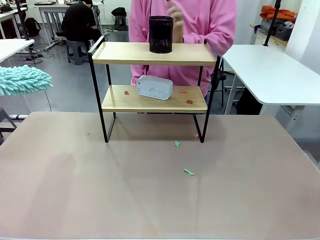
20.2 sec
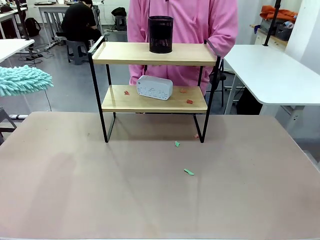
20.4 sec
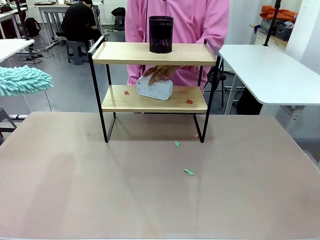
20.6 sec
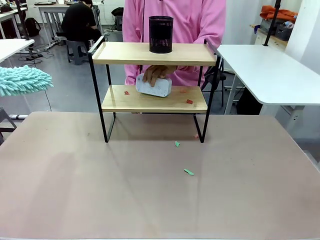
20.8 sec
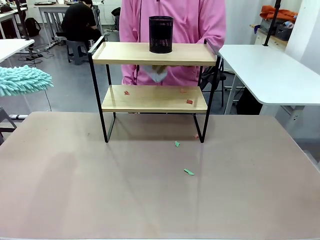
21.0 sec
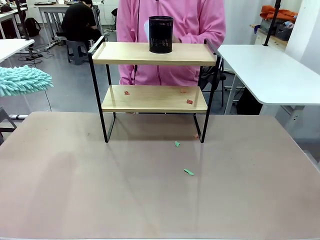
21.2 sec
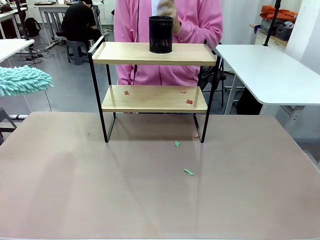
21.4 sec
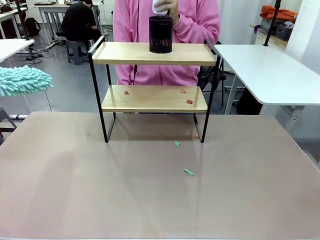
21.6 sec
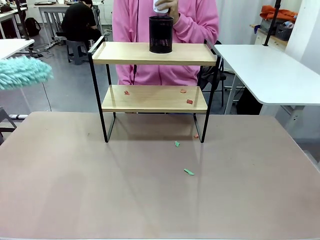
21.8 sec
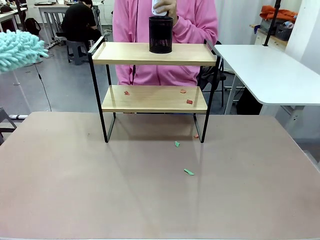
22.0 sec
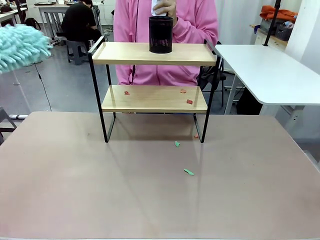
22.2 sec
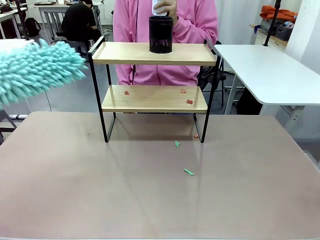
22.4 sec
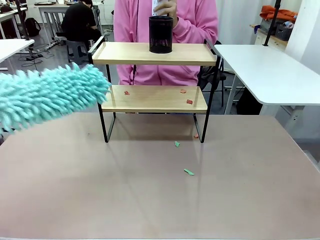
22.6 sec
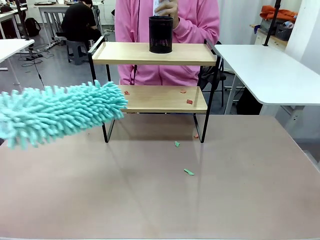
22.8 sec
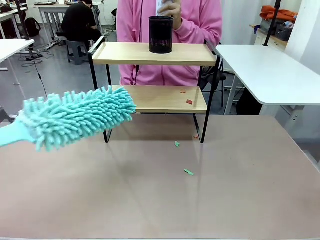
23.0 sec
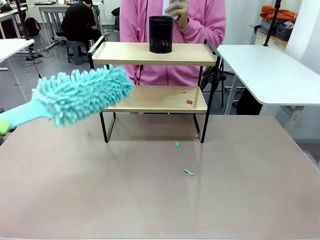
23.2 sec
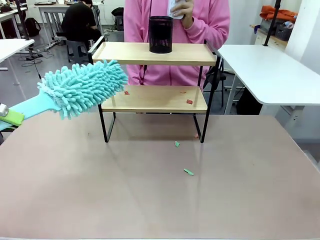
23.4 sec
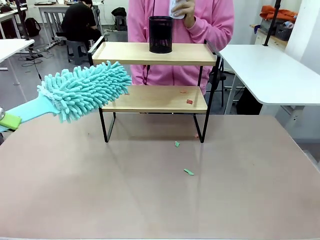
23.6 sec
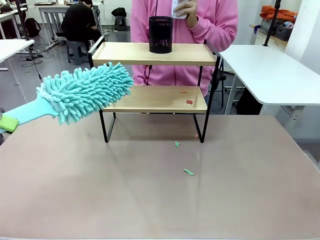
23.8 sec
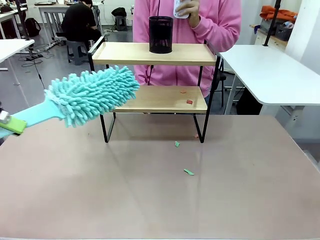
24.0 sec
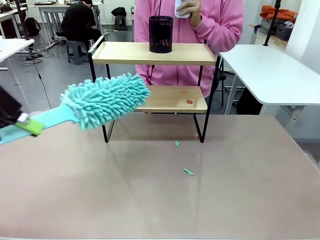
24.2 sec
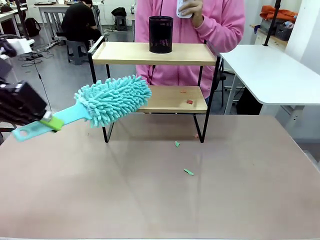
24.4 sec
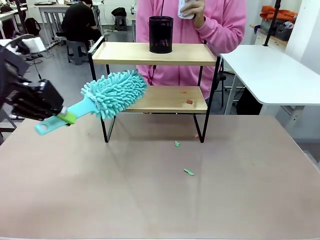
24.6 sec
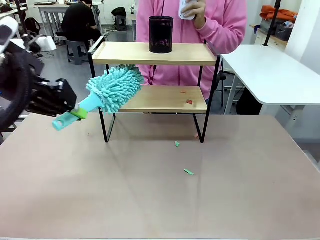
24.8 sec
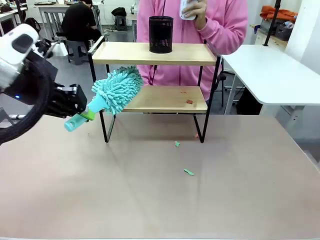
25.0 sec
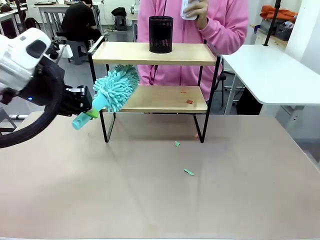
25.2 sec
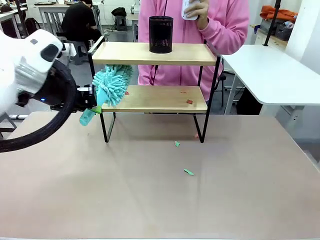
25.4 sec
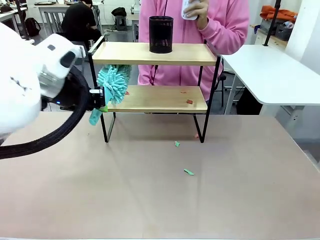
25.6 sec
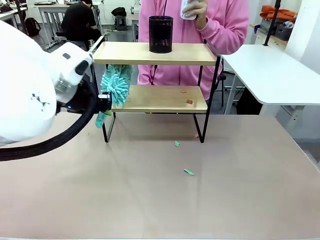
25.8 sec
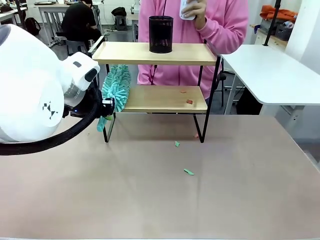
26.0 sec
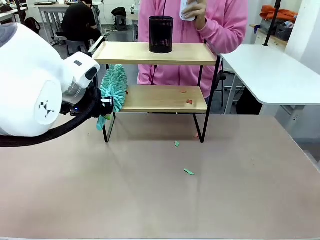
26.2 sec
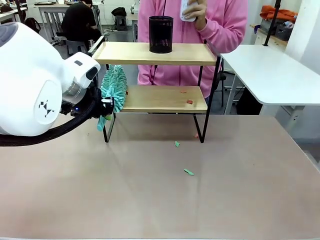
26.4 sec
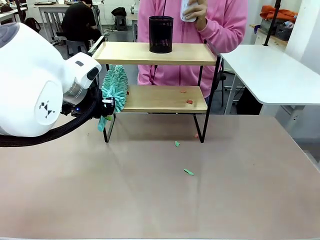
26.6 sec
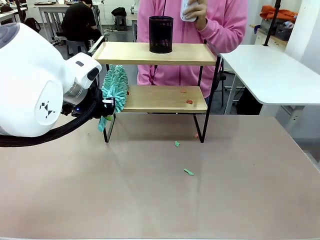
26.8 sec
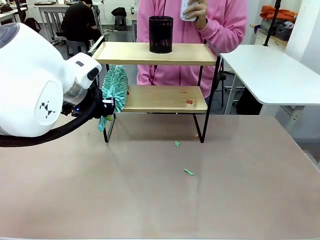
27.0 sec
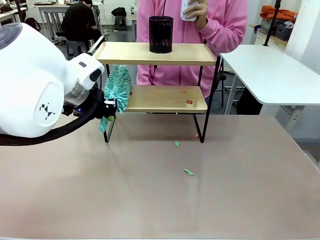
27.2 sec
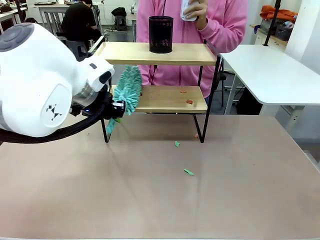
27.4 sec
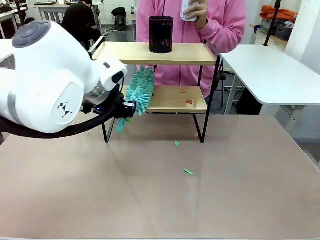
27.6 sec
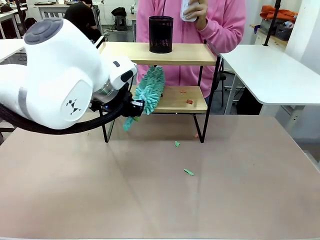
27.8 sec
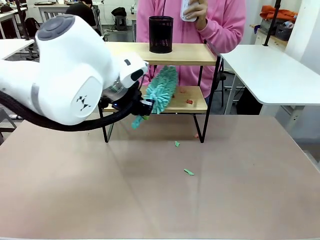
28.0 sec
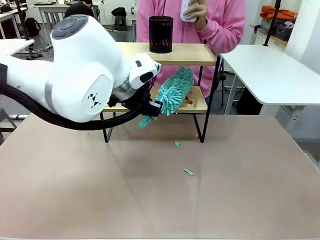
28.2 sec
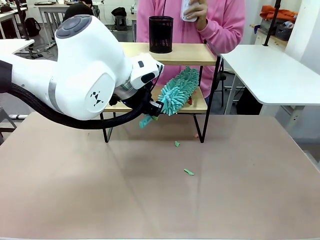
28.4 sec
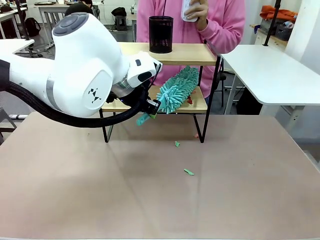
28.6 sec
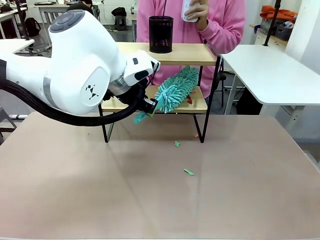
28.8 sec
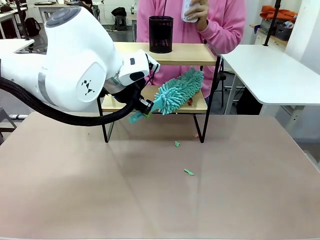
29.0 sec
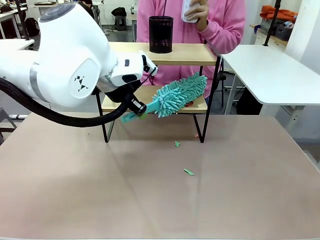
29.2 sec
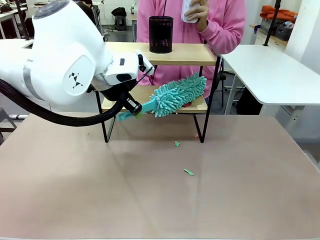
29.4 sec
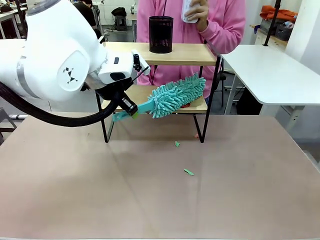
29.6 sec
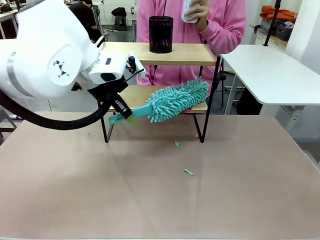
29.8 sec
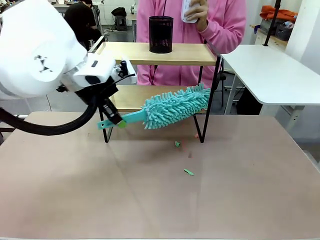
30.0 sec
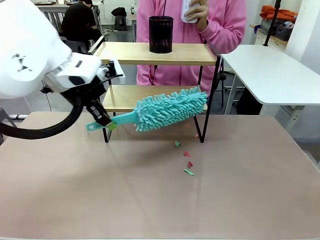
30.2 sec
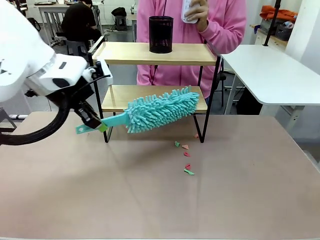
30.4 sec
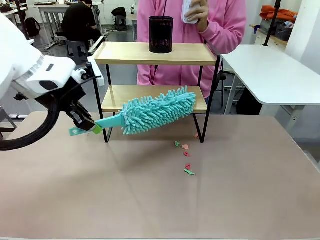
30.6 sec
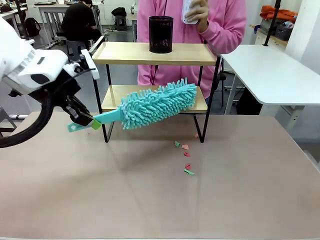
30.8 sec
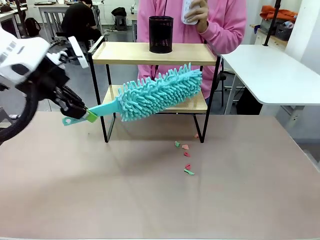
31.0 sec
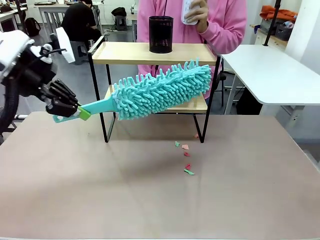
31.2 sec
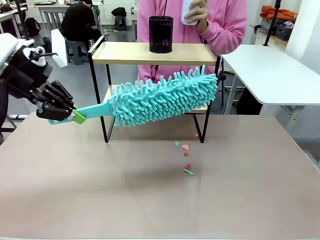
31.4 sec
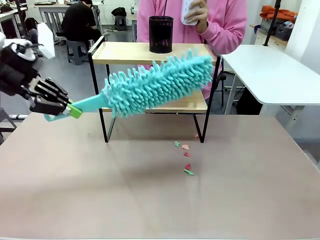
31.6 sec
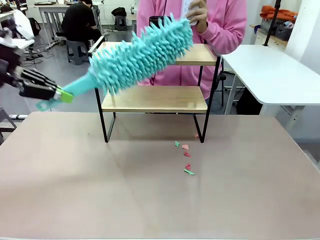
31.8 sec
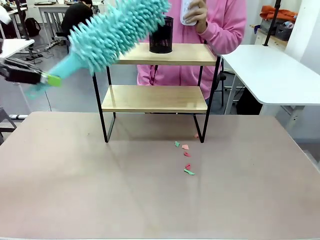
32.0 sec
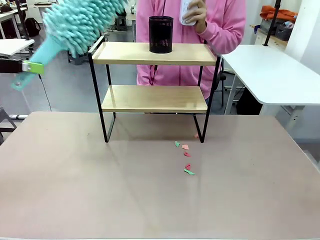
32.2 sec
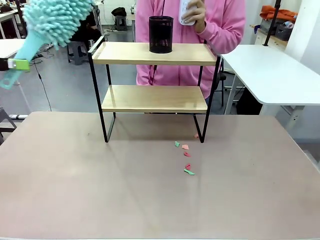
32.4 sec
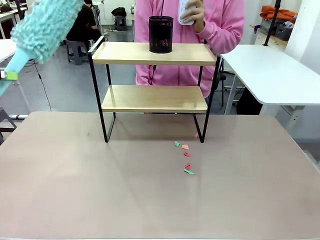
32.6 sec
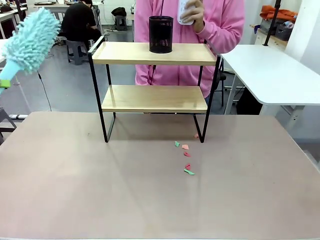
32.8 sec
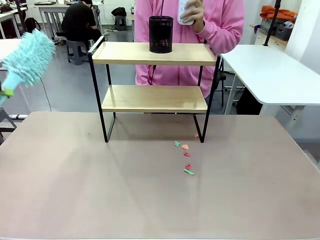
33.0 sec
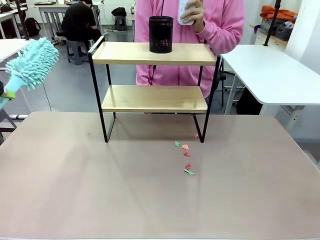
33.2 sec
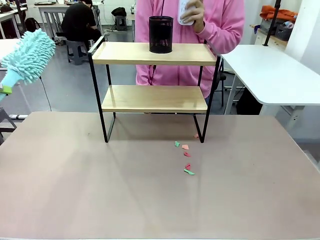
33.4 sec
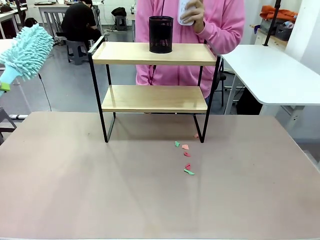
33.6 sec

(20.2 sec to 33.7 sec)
Task: Clean the shelf.
Robot: Clean the remaining tier of the Shelf with the Duster once objects are removed.

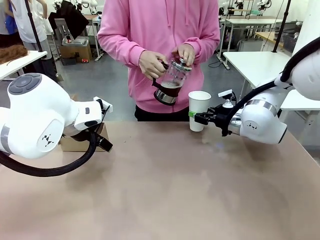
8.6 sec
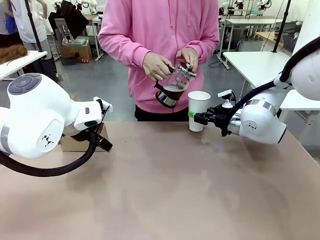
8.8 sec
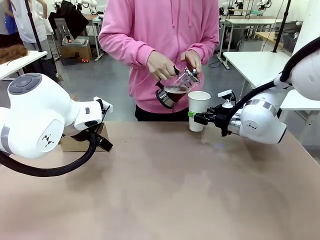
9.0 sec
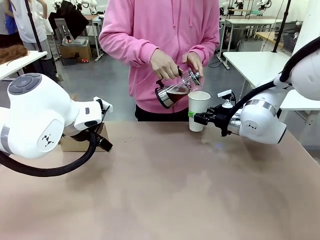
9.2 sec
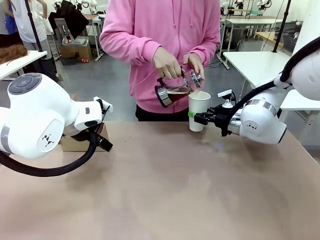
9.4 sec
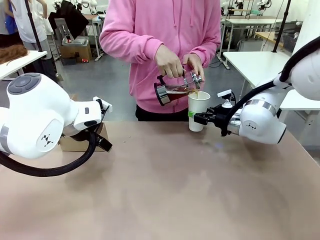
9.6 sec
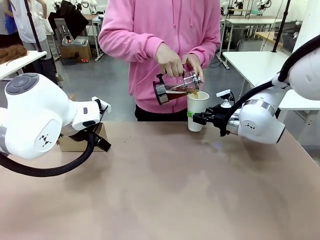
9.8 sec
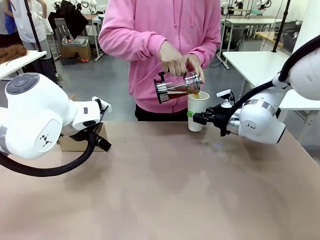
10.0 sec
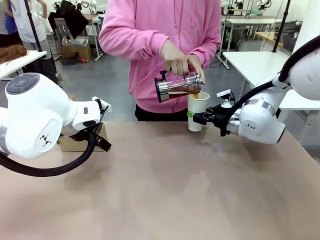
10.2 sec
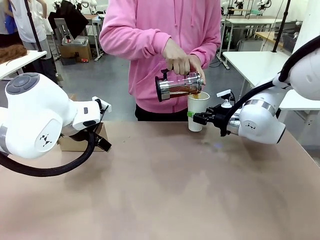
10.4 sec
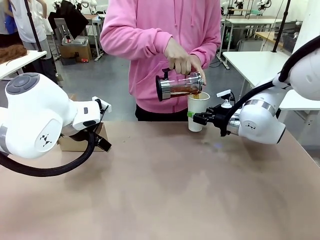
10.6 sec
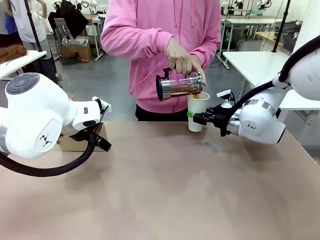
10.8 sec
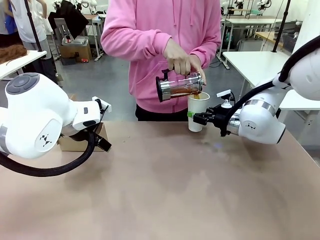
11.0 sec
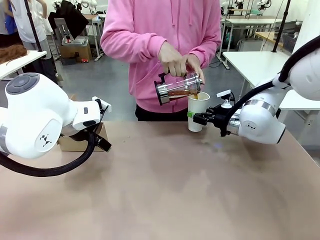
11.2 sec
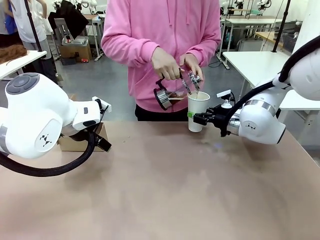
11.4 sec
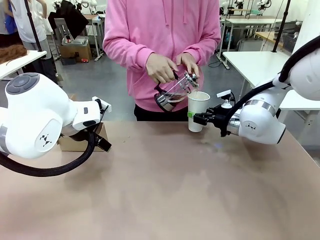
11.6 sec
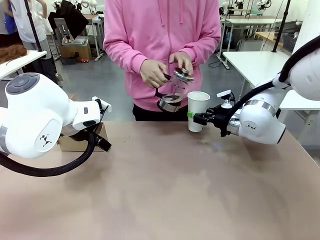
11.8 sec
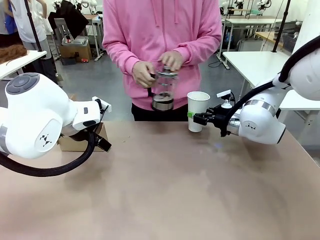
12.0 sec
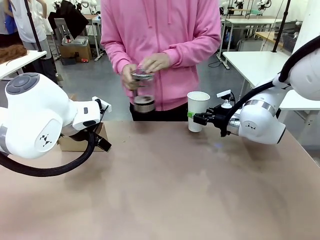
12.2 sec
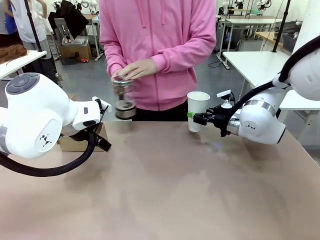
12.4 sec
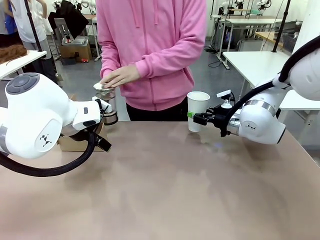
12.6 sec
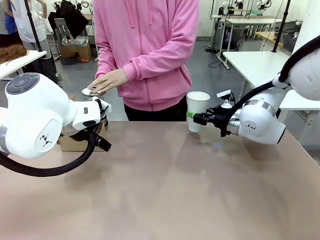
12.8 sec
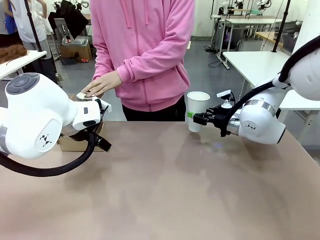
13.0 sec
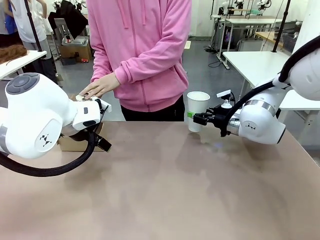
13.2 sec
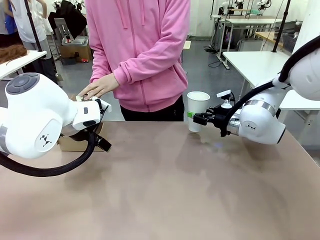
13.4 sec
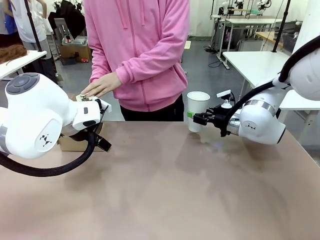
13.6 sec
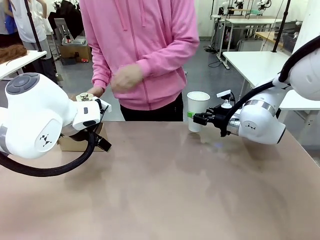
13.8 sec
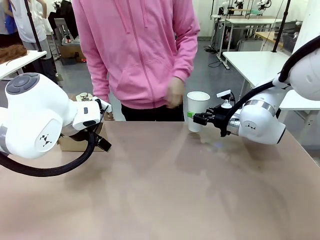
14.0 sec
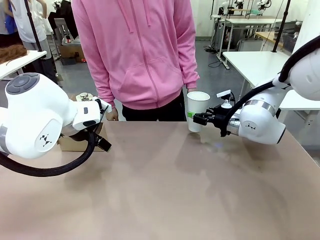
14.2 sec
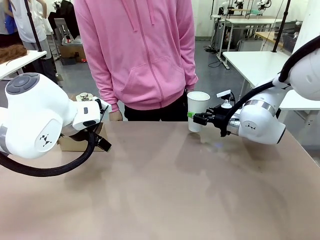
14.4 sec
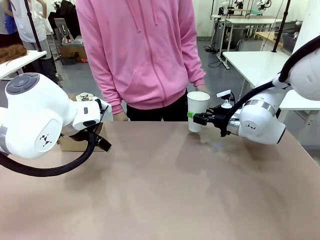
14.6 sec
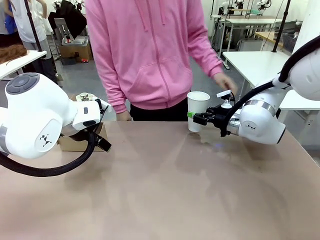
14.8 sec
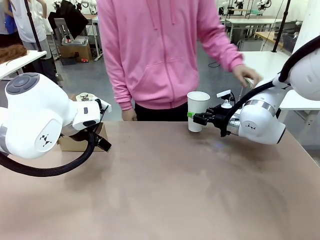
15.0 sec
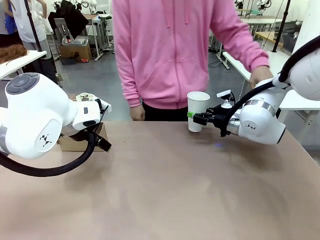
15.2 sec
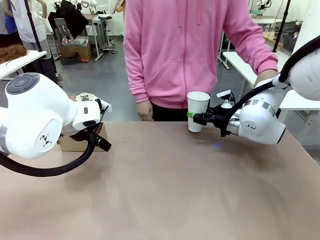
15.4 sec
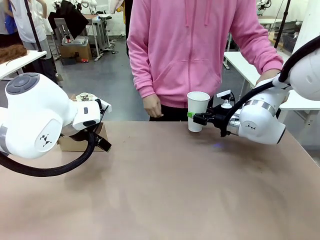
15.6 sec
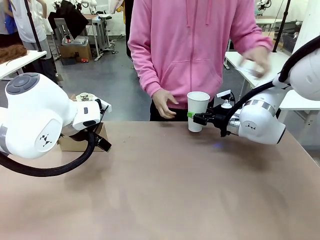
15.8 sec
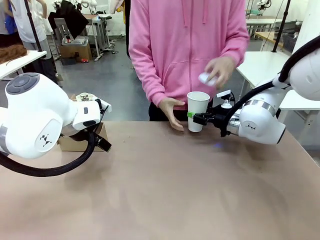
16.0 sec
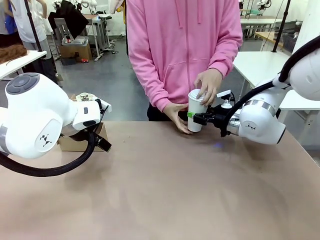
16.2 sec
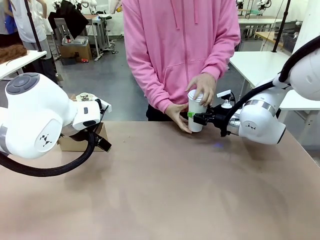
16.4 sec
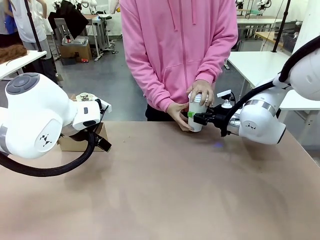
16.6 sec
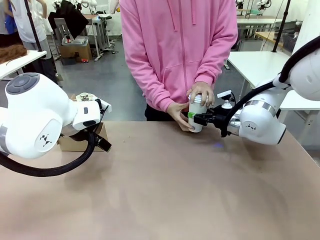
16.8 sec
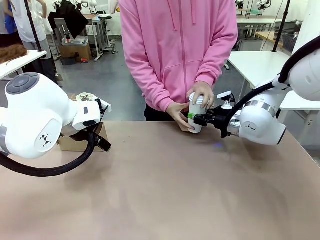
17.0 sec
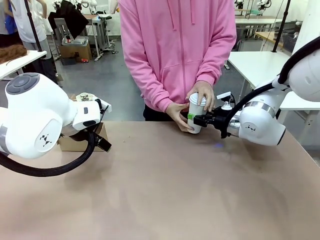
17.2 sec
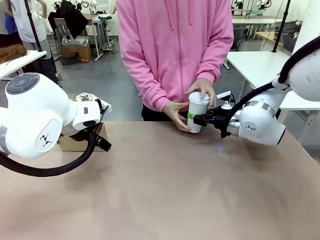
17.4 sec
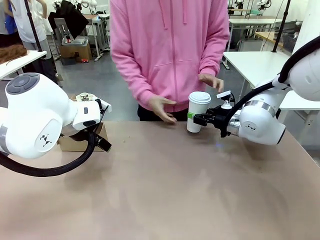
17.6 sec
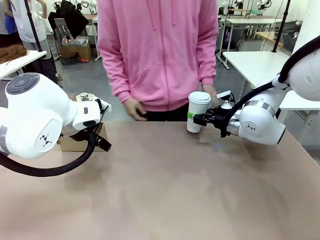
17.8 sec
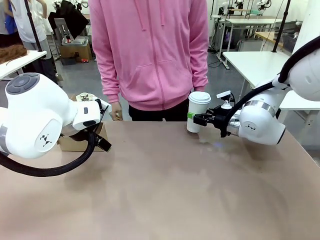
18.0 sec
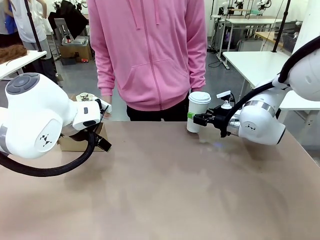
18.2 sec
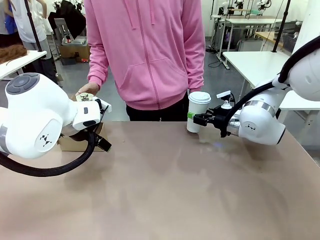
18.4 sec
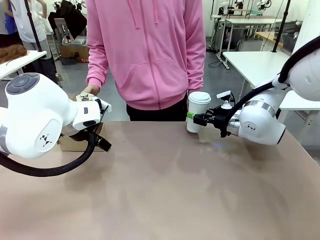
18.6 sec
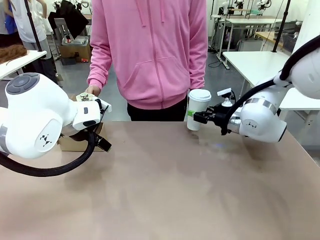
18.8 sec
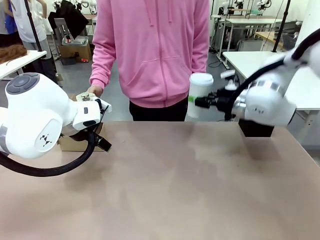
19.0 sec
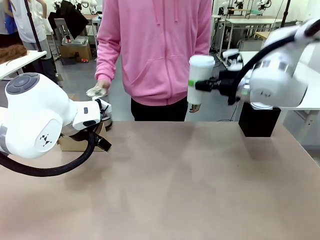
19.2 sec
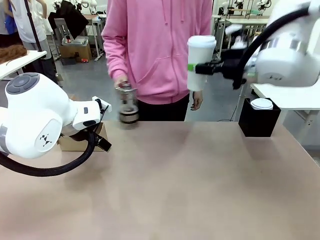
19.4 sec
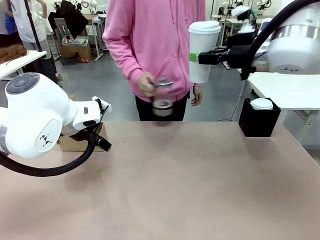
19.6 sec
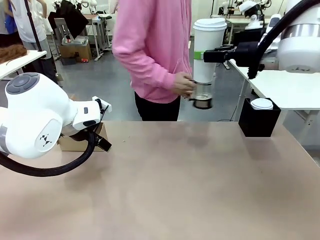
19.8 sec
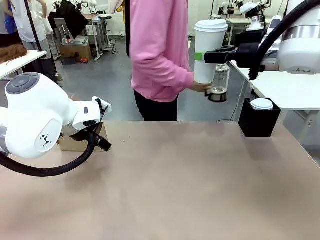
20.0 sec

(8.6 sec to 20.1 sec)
Task: Pour a drink into a cup and package it in a carrier.
Robot: When a person places the Paper Cup Lid on the 600 ml Paper Cup , lift the 600 ml Paper Cup.
Person: Pour the drink from the Filter Brewing into the 600 ml Paper Cup. Place a Paper Cup Lid on the 600 ml Paper Cup.
